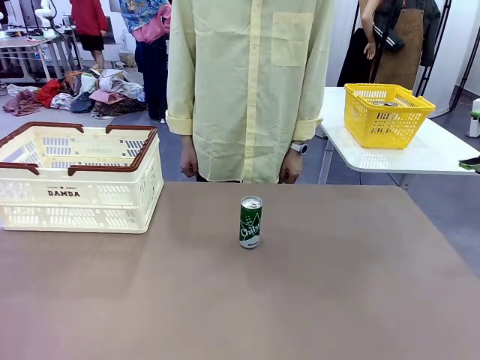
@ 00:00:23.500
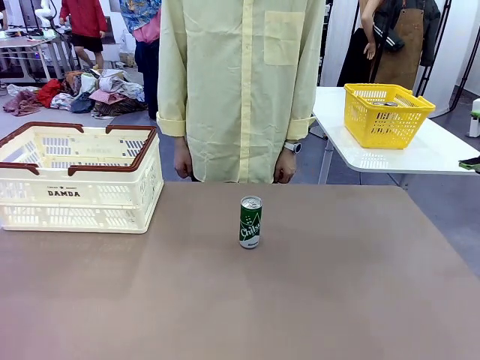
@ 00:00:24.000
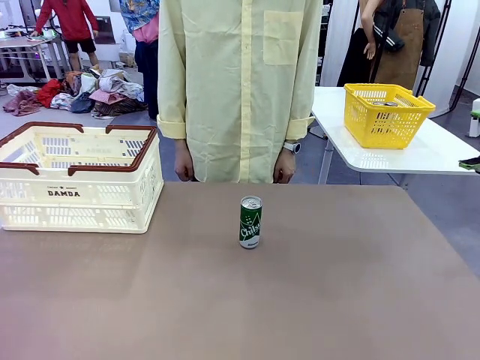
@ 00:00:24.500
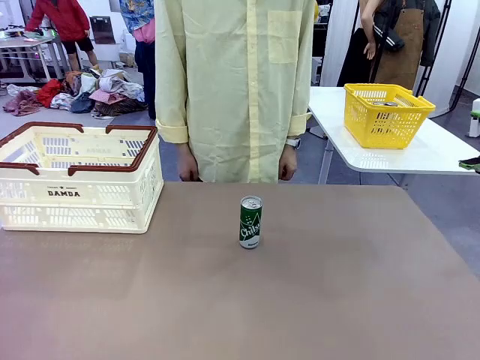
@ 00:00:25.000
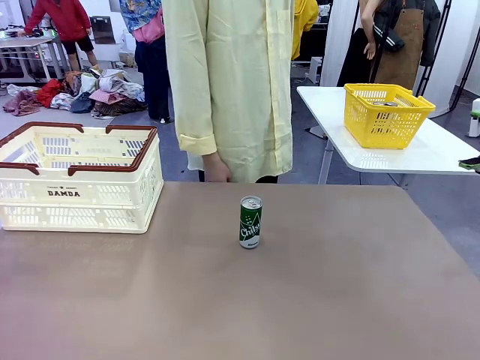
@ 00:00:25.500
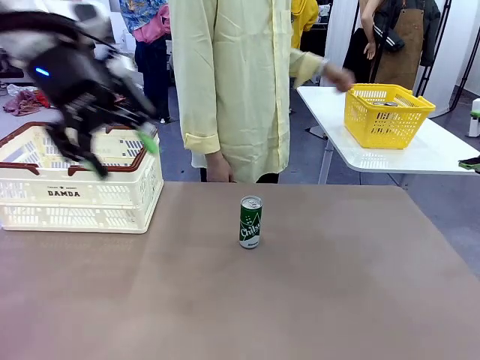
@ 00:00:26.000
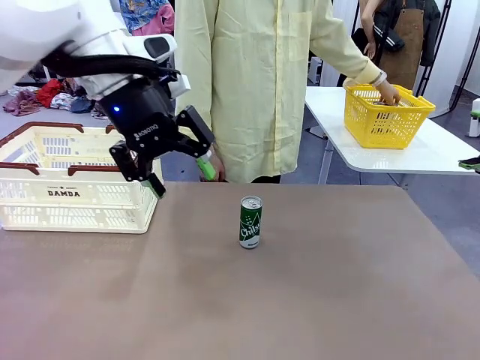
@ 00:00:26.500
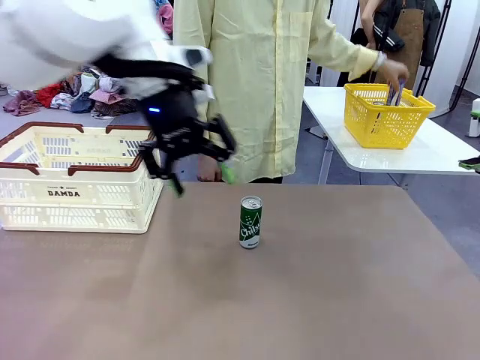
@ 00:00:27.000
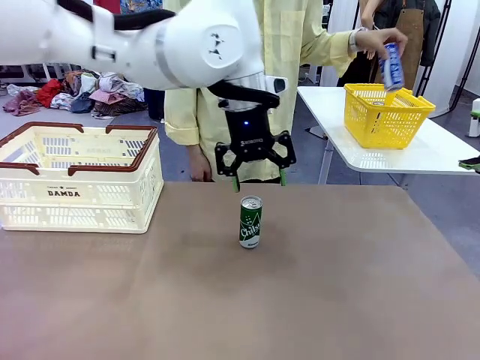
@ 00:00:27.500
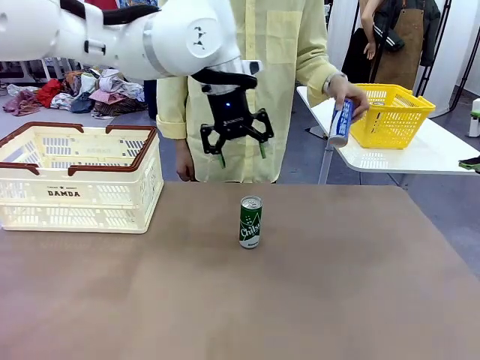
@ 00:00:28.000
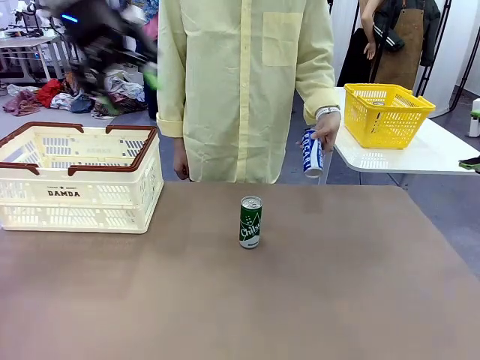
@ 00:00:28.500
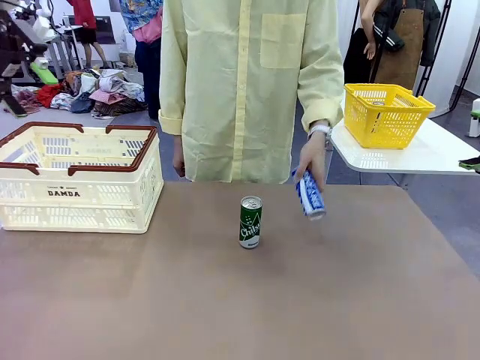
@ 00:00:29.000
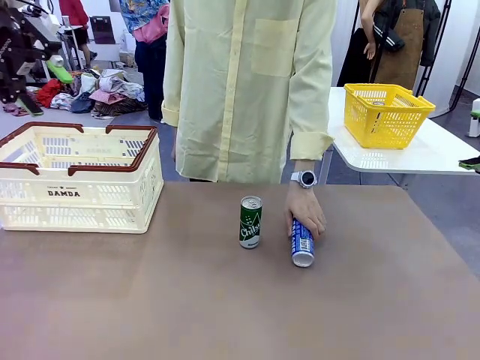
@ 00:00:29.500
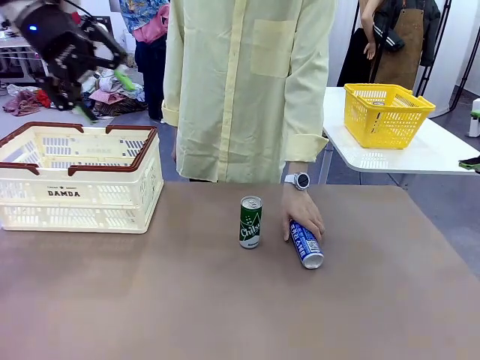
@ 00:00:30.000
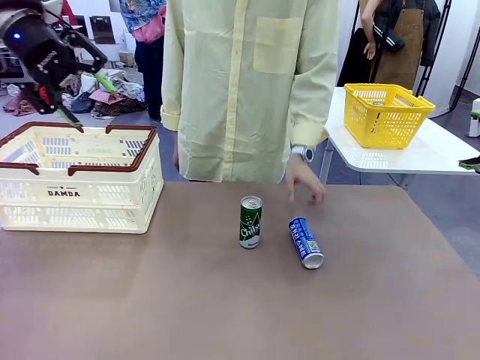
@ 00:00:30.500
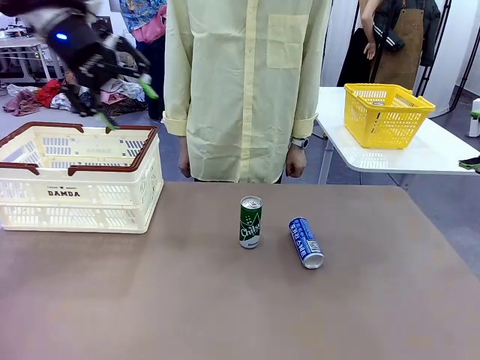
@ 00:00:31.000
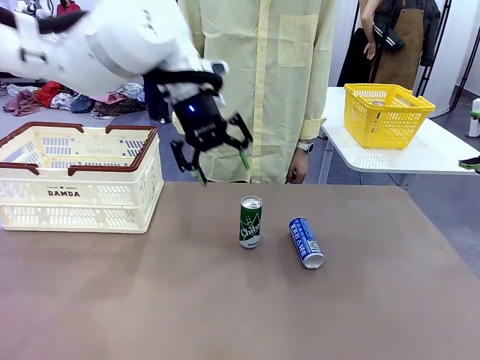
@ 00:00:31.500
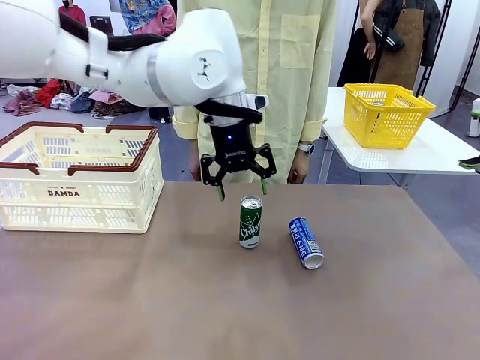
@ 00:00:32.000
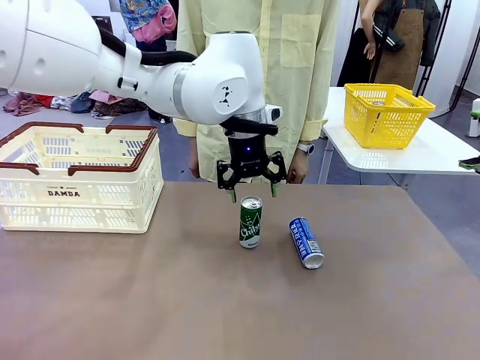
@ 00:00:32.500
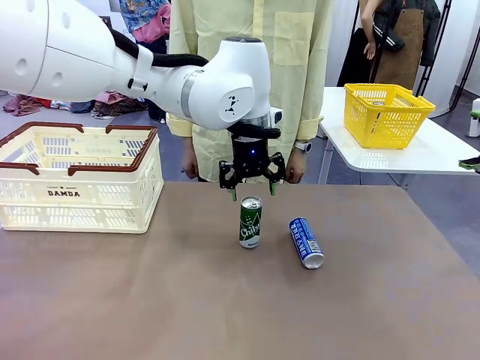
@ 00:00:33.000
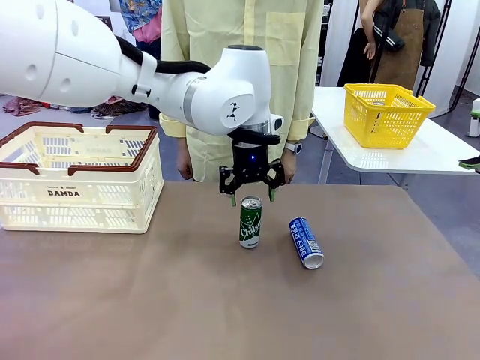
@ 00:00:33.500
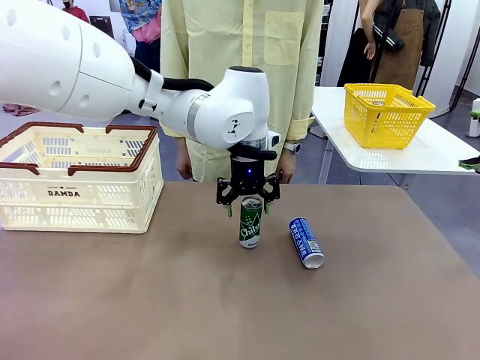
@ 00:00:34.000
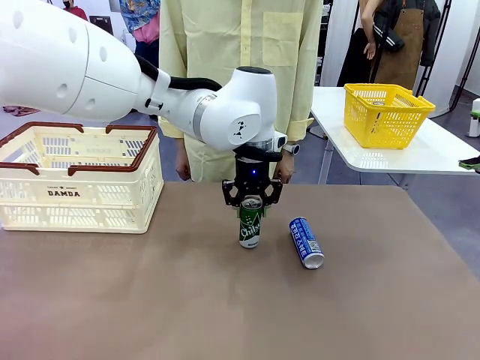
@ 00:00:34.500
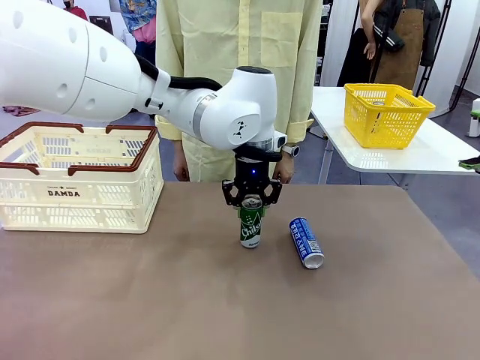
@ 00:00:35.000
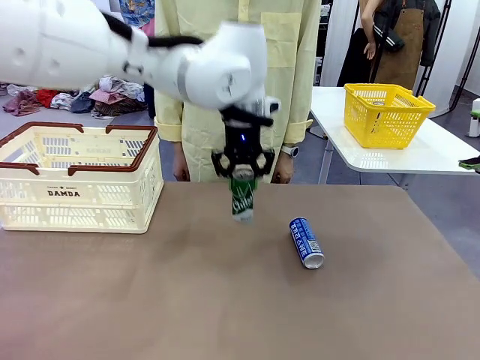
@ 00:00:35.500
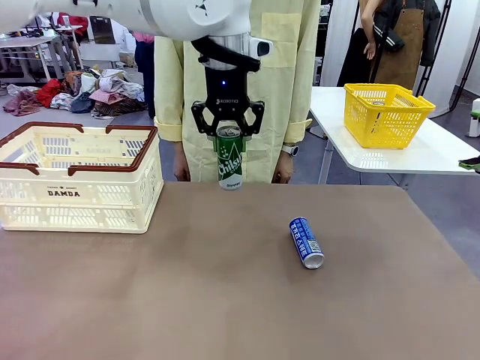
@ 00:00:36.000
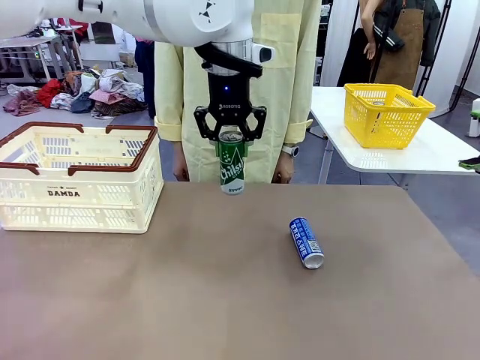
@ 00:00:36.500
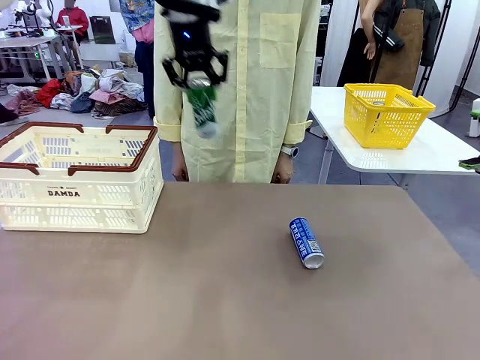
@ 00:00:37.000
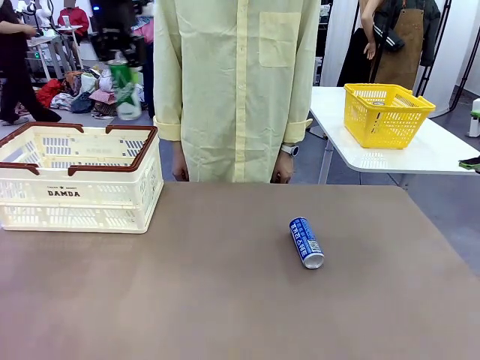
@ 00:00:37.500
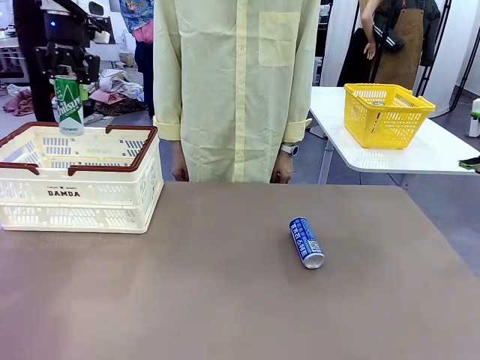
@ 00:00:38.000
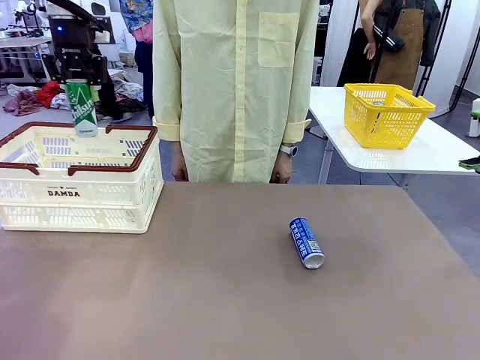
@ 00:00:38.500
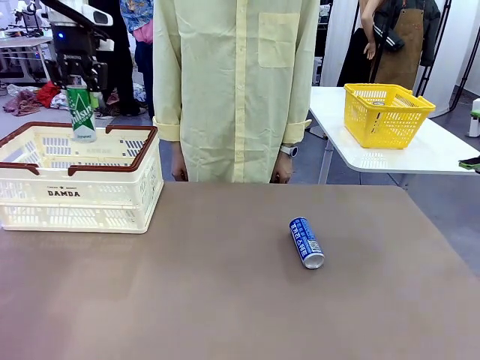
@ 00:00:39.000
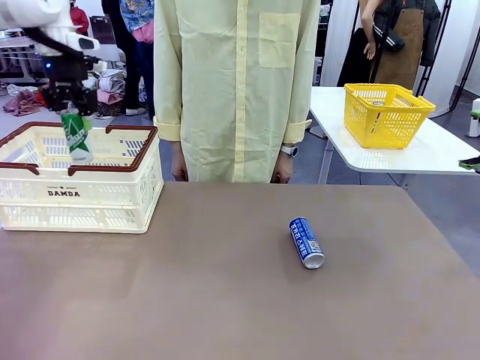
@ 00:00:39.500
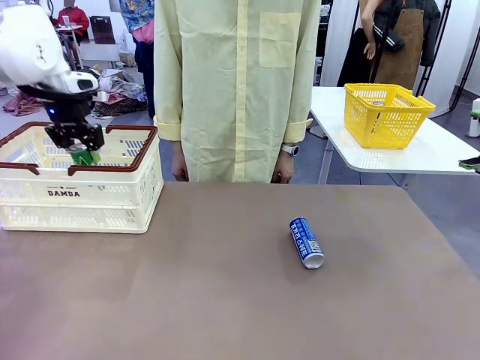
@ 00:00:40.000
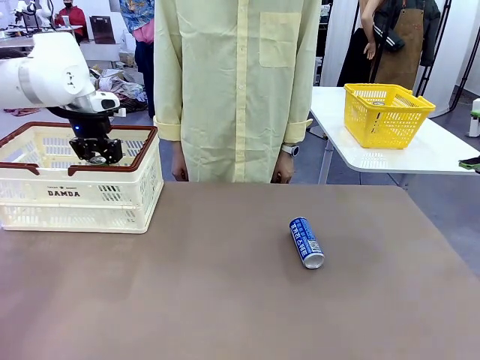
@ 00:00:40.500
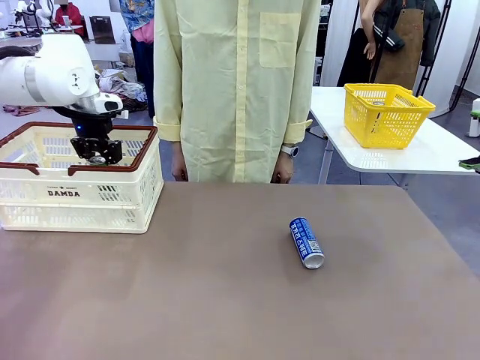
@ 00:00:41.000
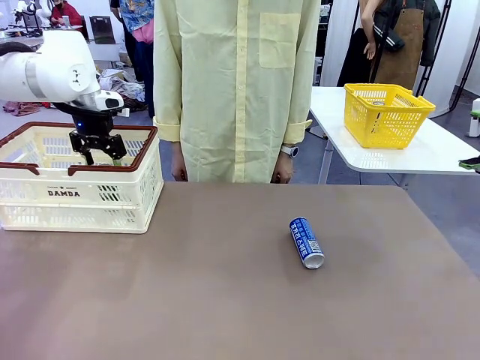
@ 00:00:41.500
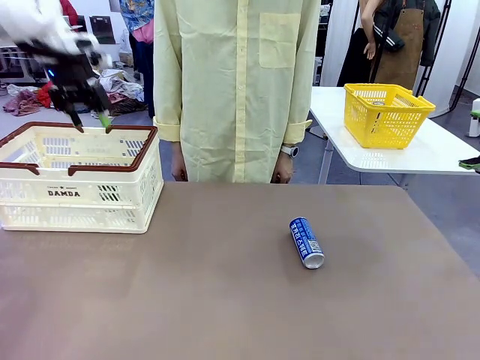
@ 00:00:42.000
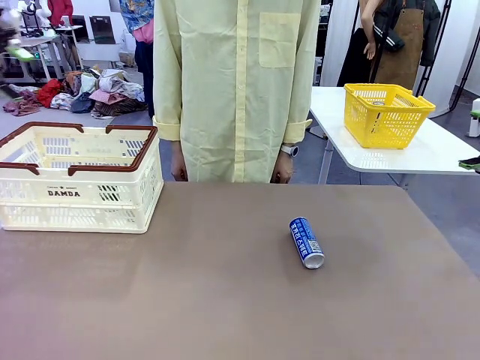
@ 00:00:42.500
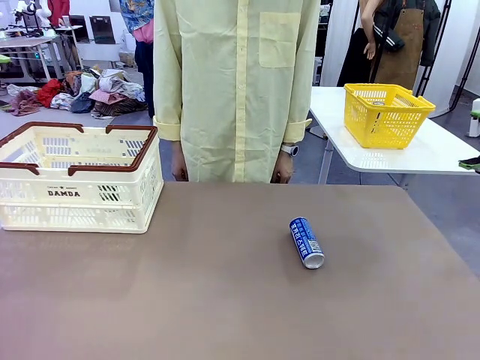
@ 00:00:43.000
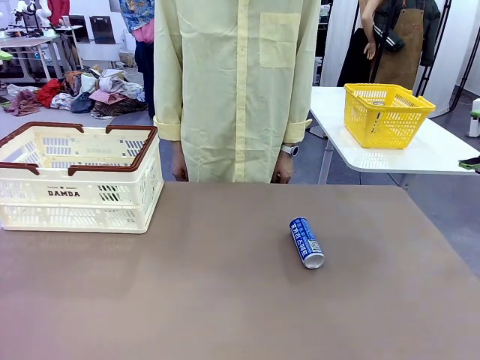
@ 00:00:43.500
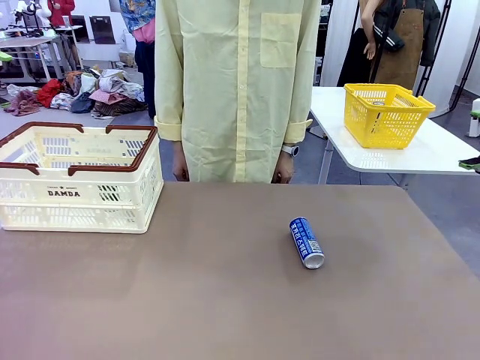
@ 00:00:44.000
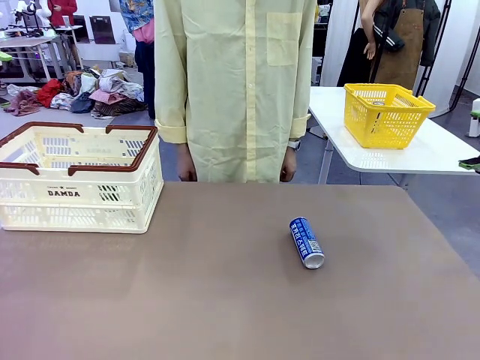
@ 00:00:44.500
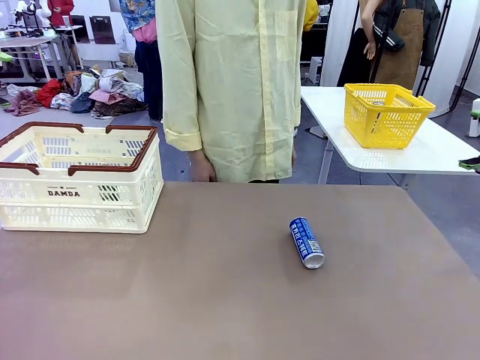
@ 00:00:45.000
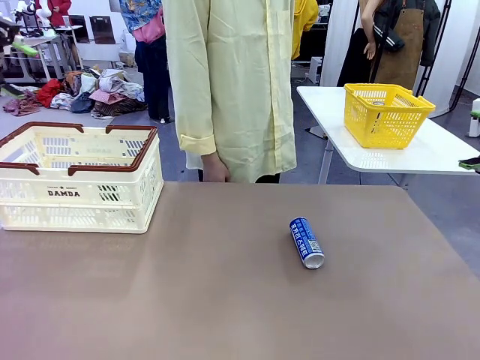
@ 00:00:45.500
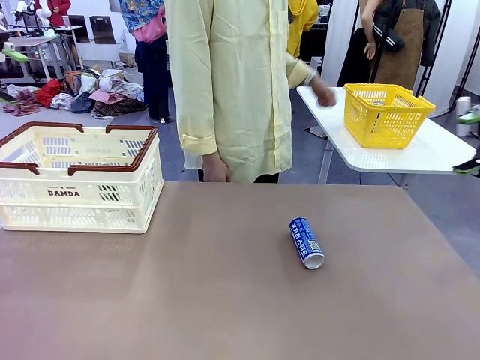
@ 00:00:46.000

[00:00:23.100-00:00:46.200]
Task: Place the drinks into the Shopping basket.
Robot: Pick up one drink and place it into the Shopping basket.

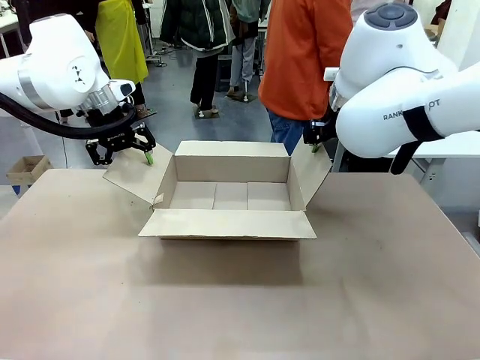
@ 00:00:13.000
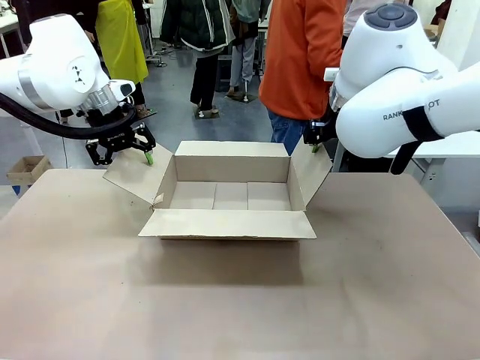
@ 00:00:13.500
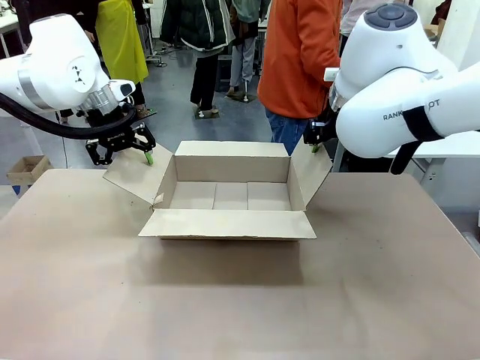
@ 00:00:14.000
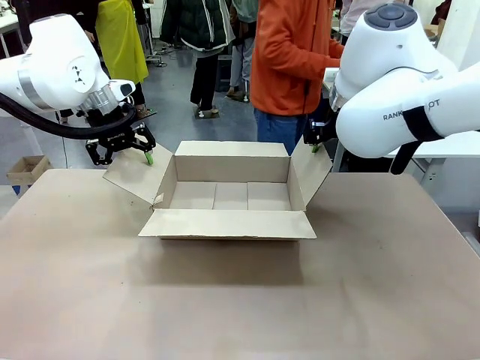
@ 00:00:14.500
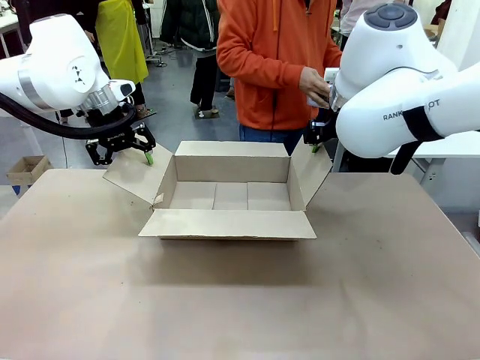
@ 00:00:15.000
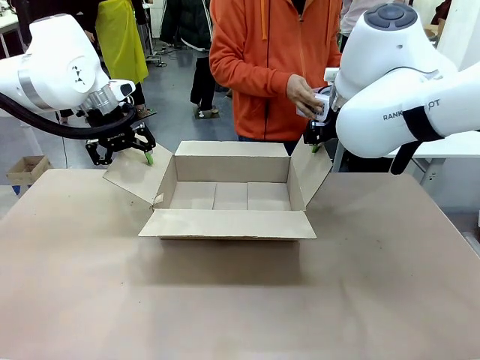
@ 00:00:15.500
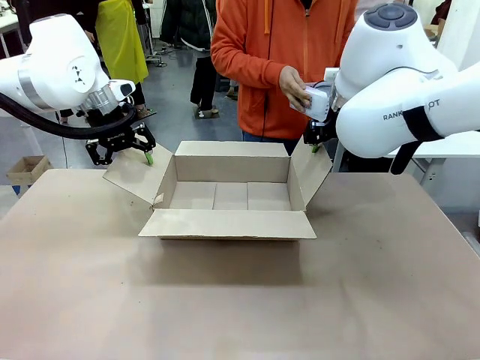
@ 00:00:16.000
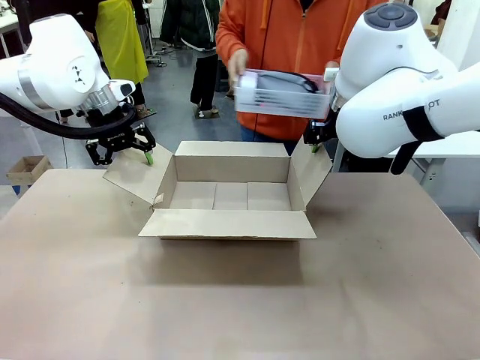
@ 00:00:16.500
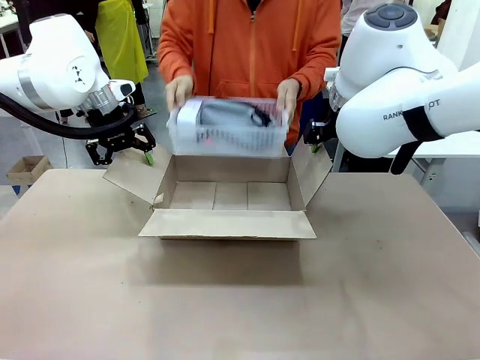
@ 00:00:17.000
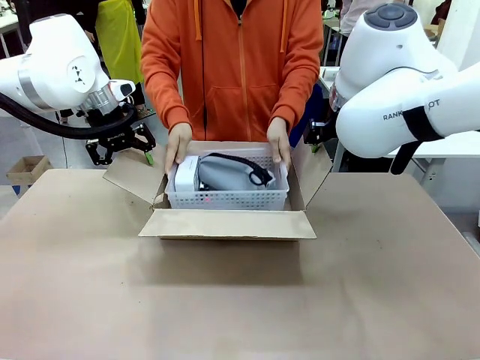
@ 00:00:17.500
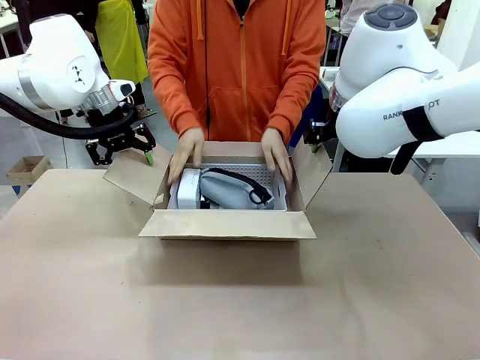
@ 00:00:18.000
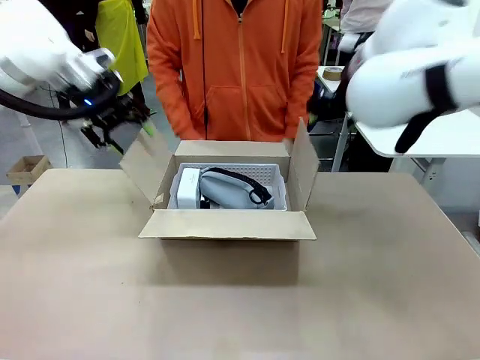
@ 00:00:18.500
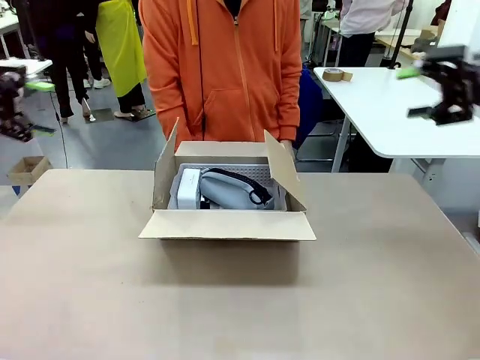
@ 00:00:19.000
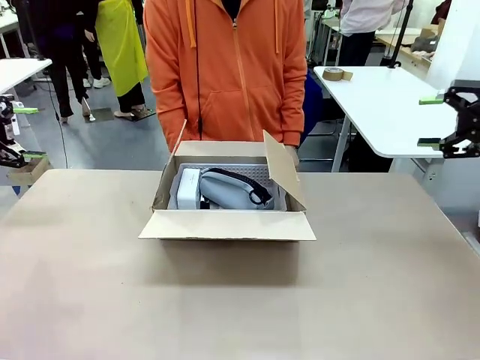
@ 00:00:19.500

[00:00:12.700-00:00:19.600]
Task: Pack the gift set into the box.
Robot: Lift both hands away from the flaps of the Package Box.
Person: The human picks up the organizing basket and places the organizing basket into the package box on the robot table.
